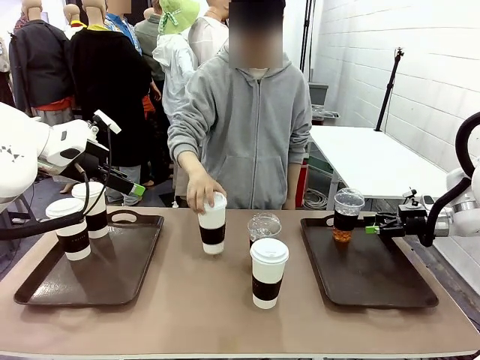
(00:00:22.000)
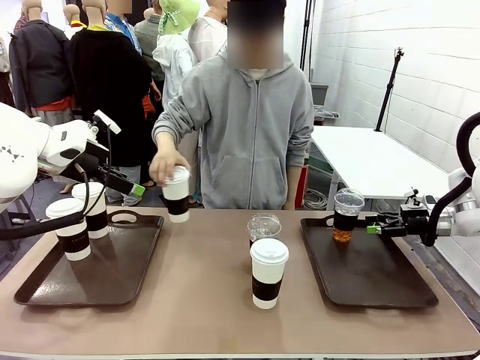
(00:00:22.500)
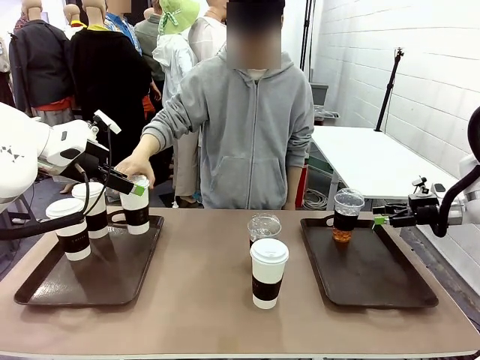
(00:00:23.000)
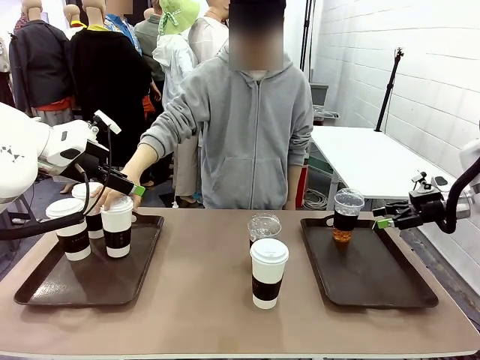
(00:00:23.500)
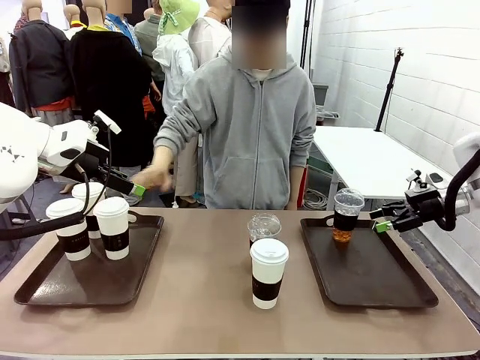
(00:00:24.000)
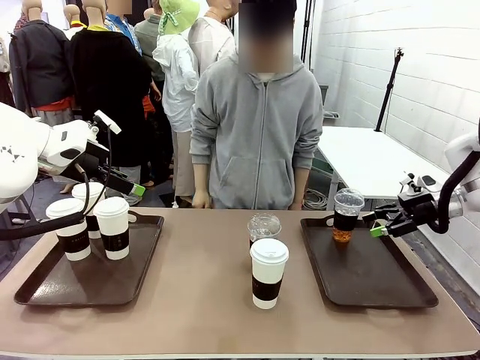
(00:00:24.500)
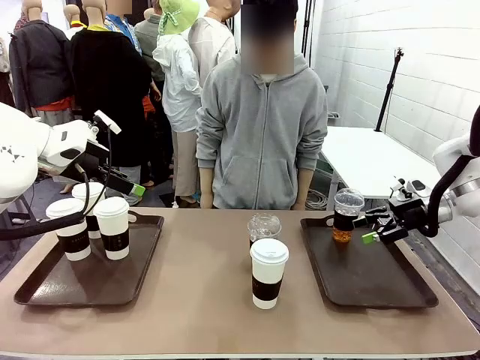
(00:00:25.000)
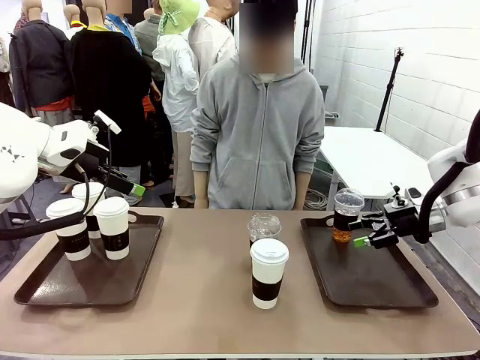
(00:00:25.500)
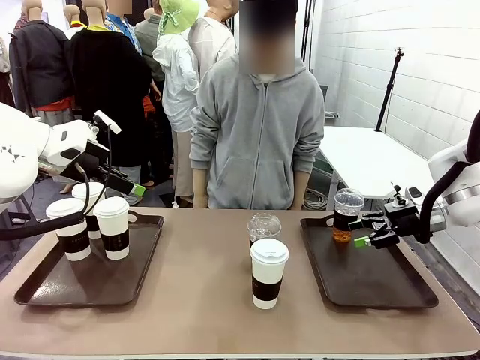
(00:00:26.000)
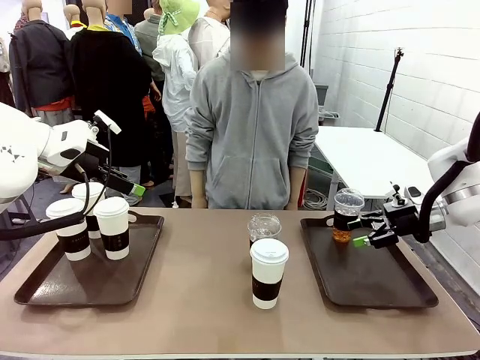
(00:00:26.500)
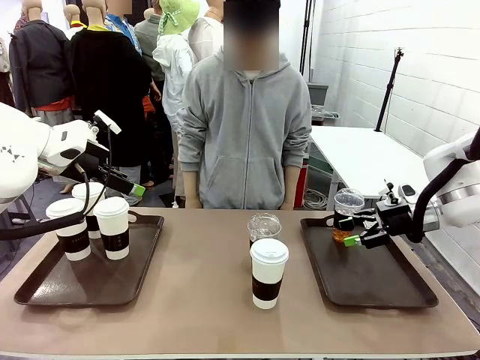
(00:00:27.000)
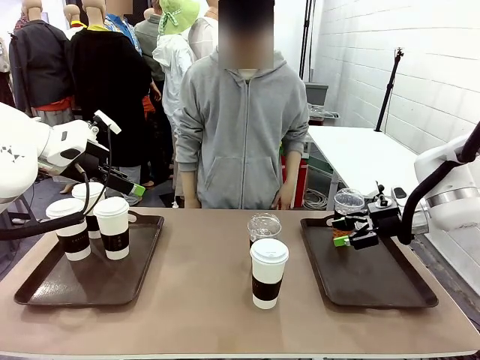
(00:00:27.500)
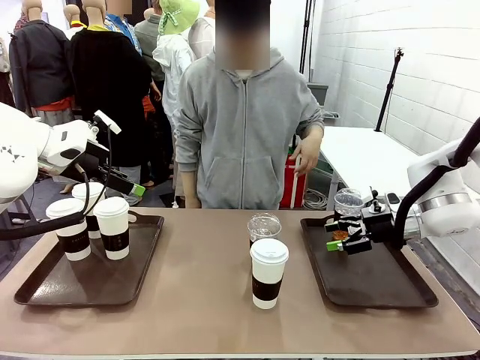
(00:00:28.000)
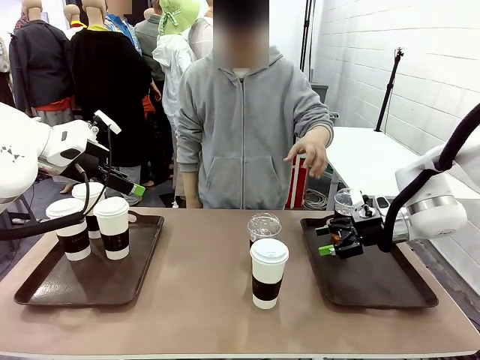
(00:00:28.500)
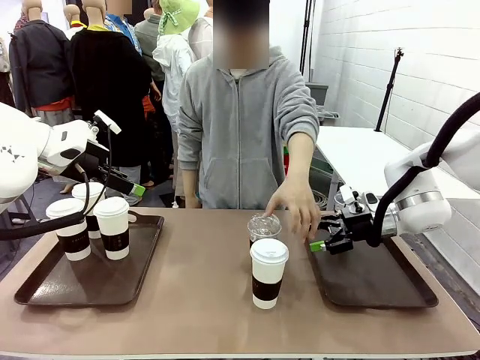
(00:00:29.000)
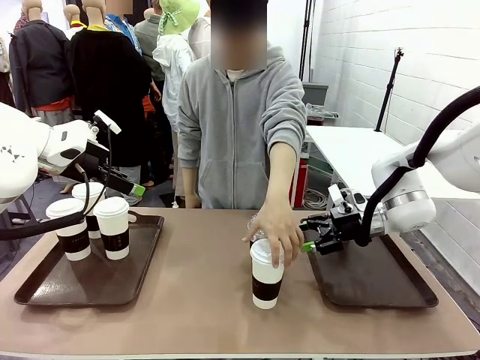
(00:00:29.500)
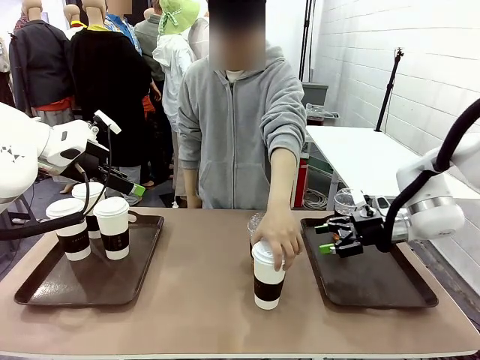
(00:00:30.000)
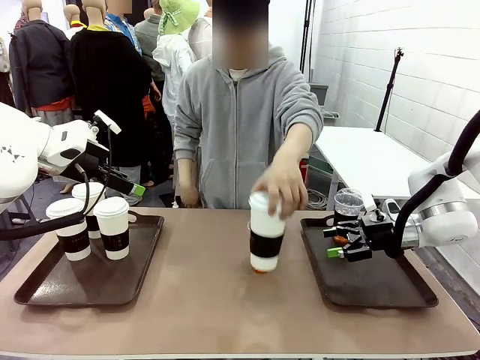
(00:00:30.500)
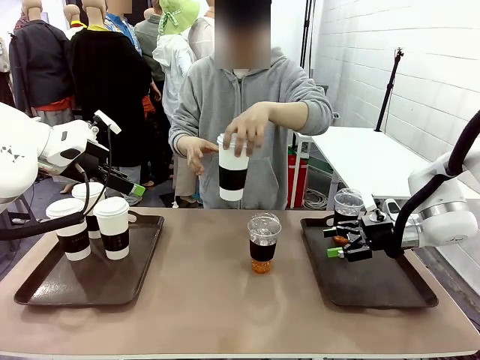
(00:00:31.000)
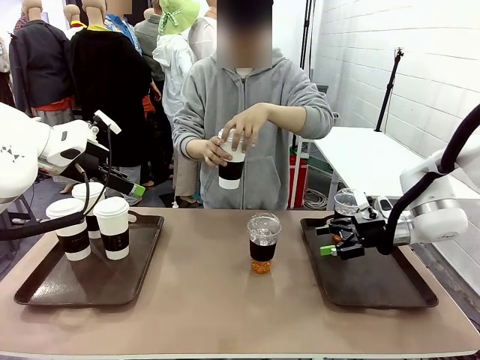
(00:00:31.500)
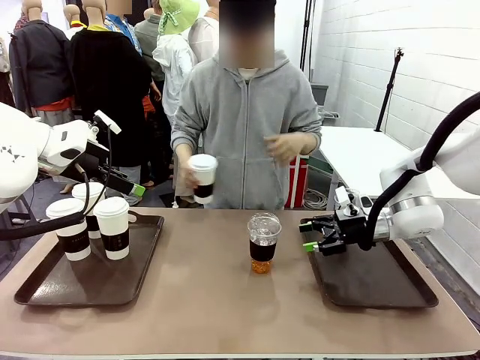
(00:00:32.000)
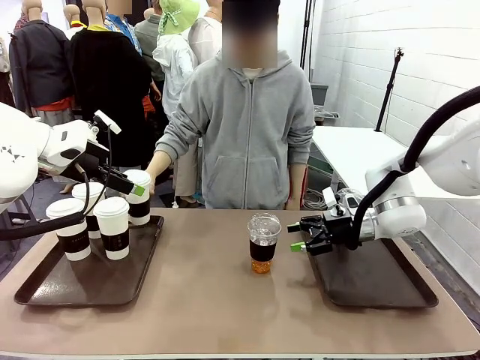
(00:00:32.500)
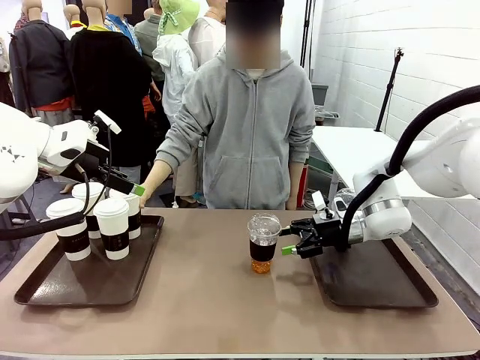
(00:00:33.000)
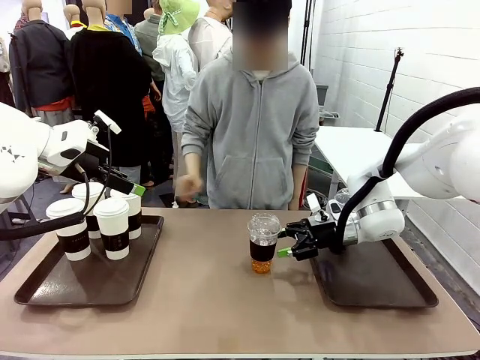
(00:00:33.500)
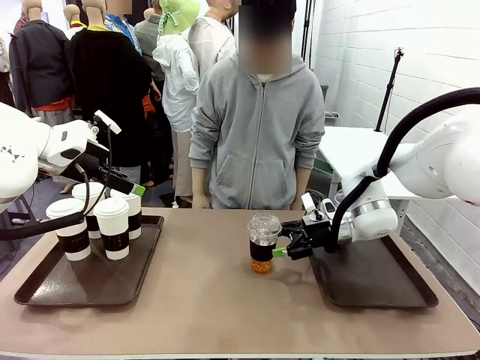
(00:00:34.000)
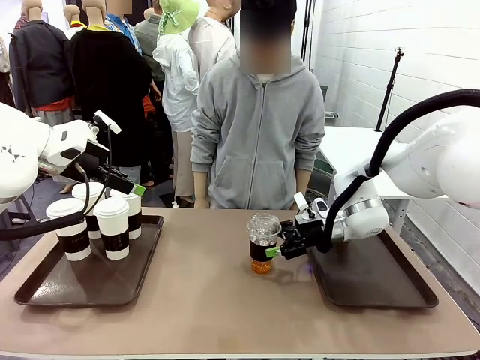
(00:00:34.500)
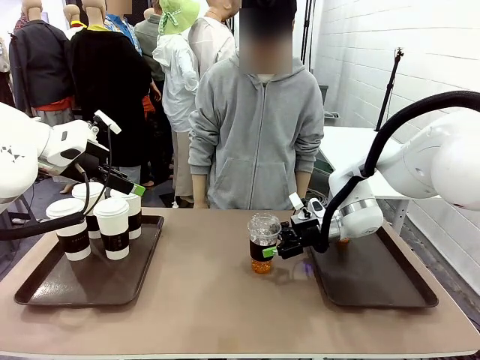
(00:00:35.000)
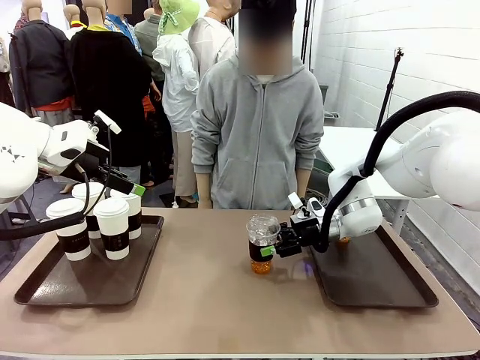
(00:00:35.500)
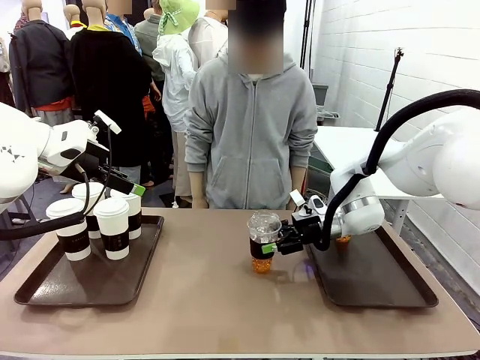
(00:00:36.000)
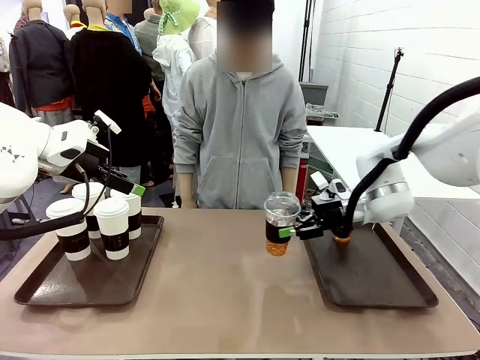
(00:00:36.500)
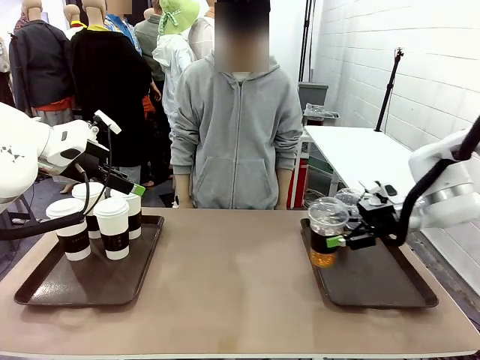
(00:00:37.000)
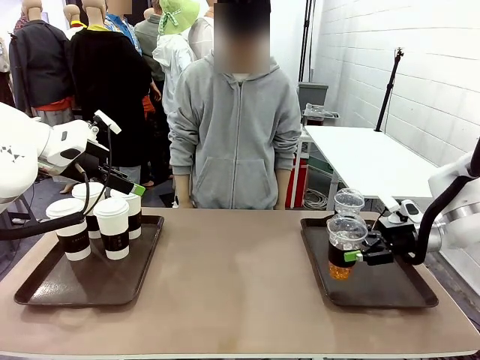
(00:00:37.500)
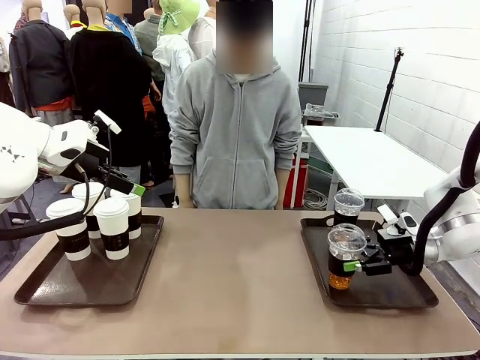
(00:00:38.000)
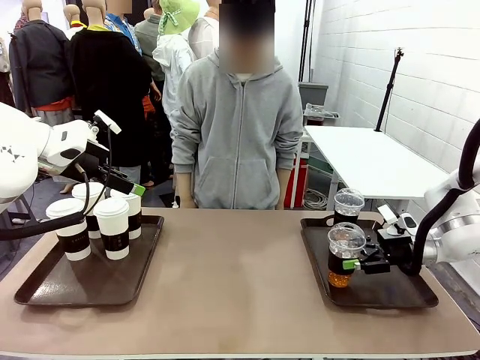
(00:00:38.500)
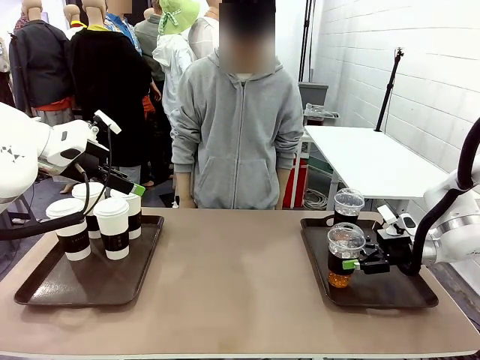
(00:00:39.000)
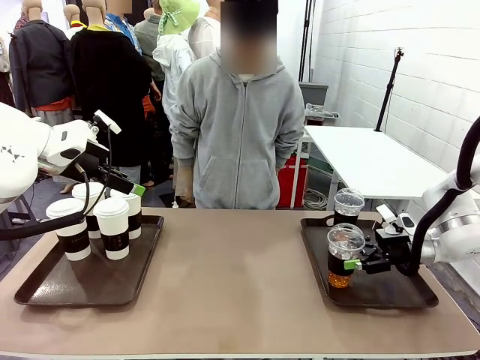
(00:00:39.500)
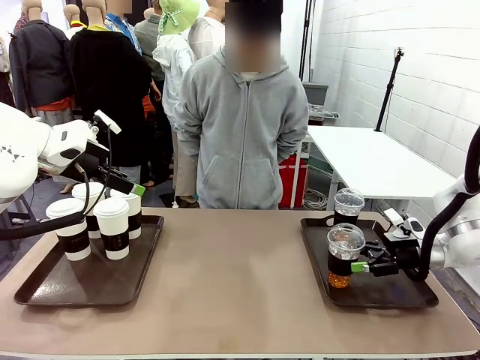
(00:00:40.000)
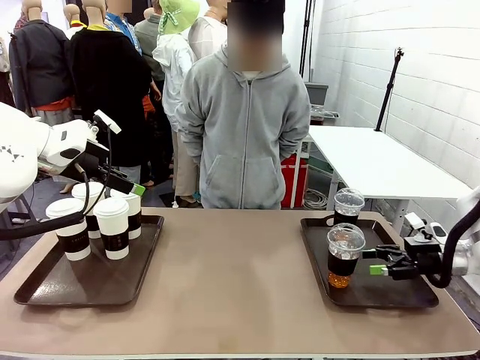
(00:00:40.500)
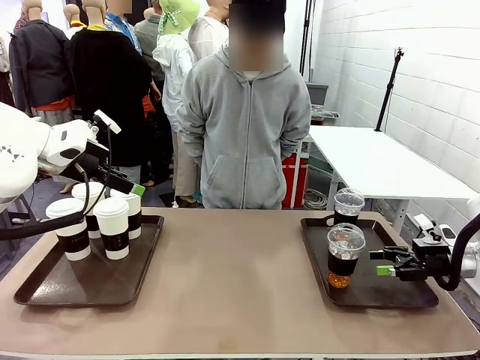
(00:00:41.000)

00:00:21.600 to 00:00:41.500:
Task: Distribute the coffee onto the tray.
Robot: Pick up another iced Americano from the middle of the table and place it on the right Handle tray.
Person: Pick up a cup of hot Americano from the middle of the table and place it on the right tray.

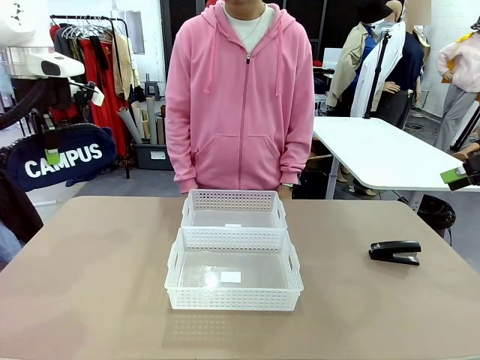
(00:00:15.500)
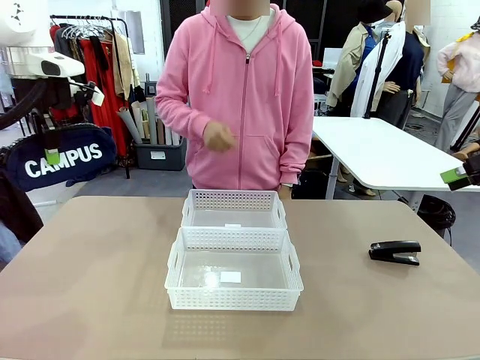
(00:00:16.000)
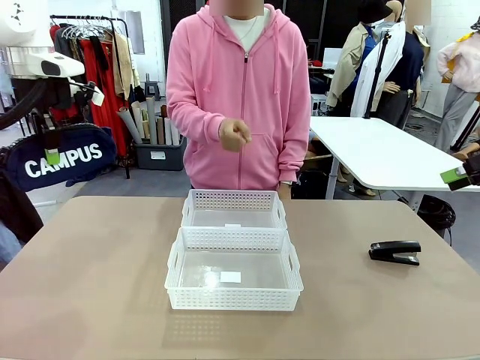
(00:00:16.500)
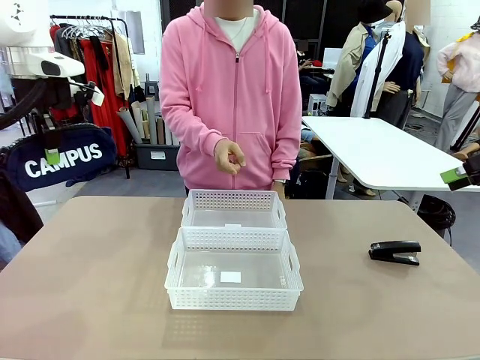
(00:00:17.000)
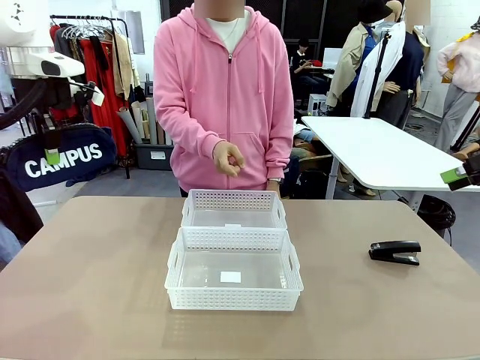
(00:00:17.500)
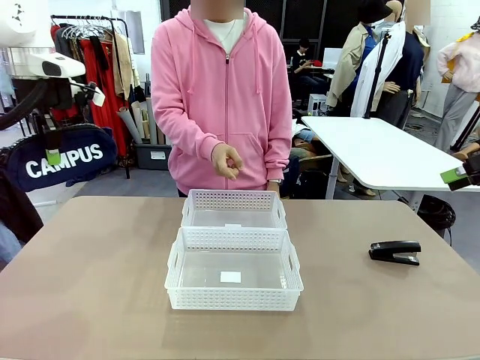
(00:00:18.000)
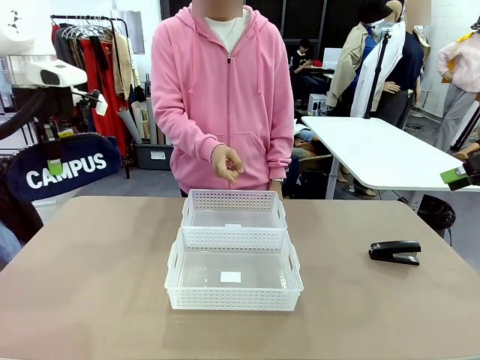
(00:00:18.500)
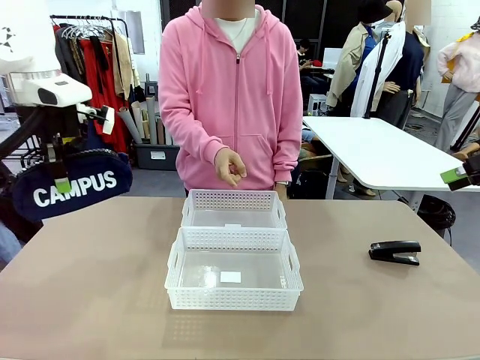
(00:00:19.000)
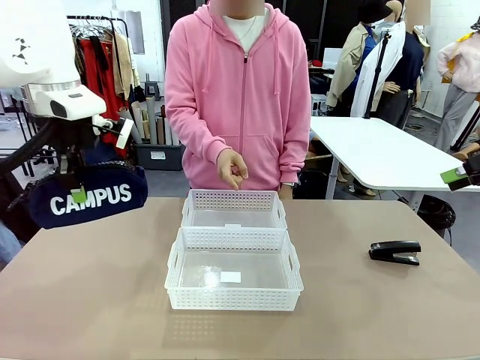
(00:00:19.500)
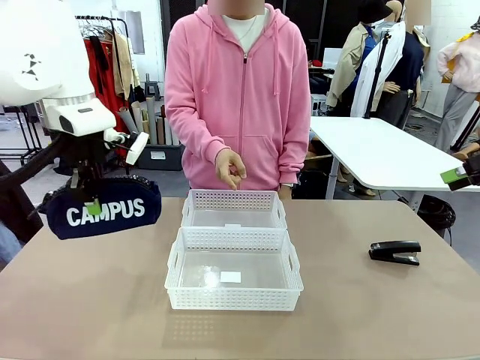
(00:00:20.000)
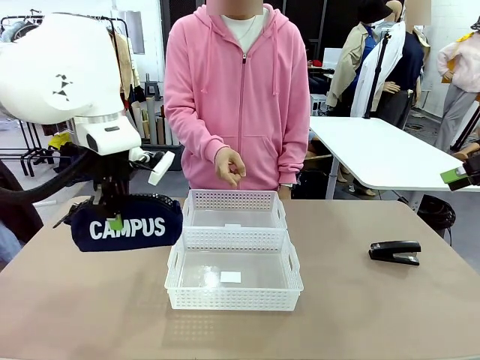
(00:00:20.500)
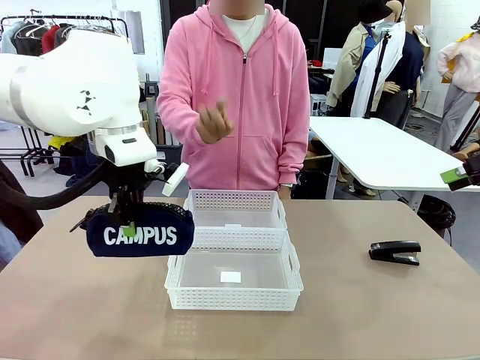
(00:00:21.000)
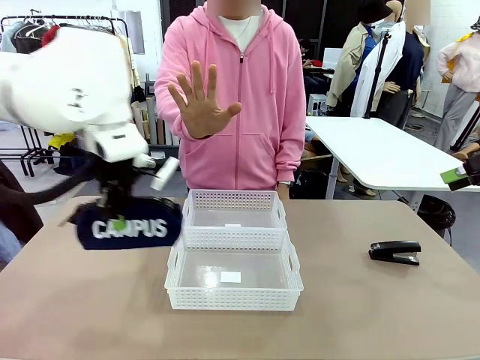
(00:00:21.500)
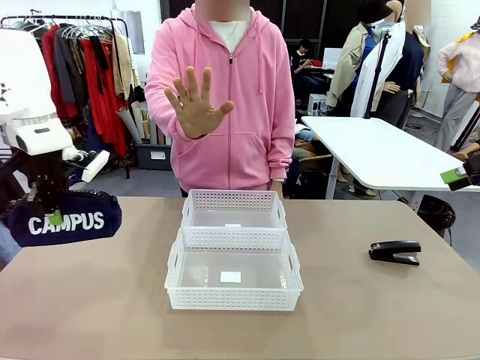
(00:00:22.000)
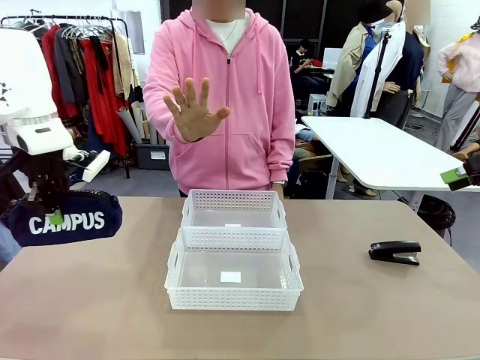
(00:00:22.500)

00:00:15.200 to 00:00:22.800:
Task: Distribute items into two baskets.
Robot: Move the picked Pencil pouch towards the Organizing basket indicated by the person, stopping as directed.
Person: Sends a stop gesture before the robot places the pencil case into the basket.
